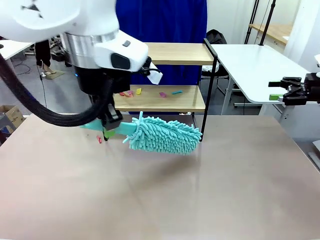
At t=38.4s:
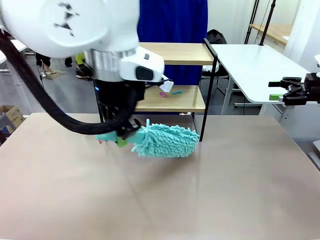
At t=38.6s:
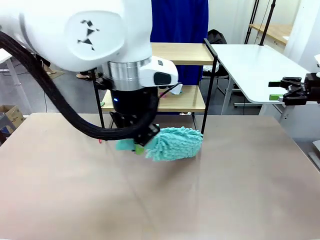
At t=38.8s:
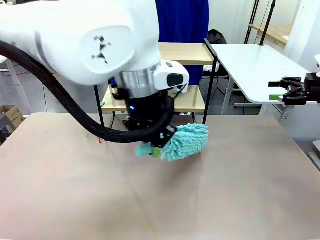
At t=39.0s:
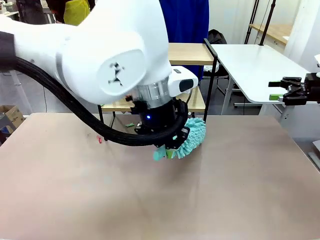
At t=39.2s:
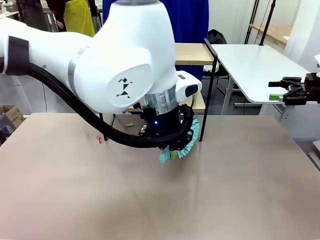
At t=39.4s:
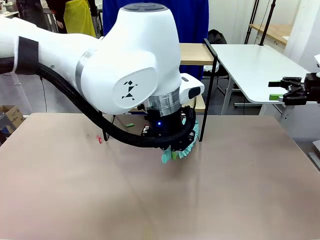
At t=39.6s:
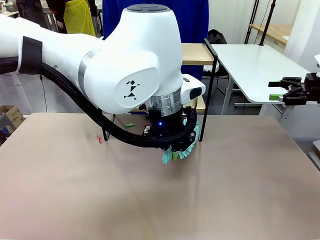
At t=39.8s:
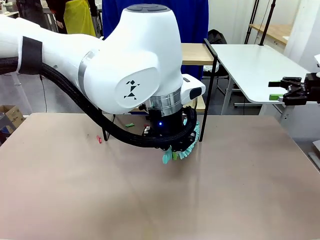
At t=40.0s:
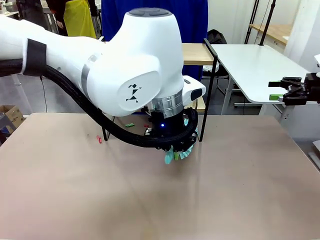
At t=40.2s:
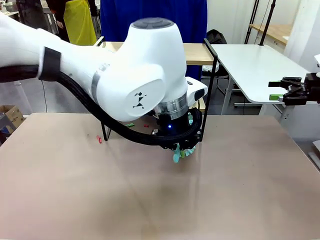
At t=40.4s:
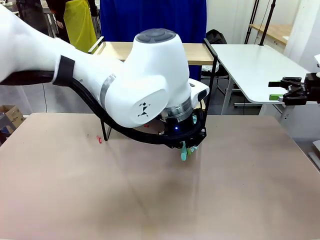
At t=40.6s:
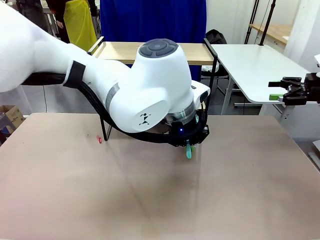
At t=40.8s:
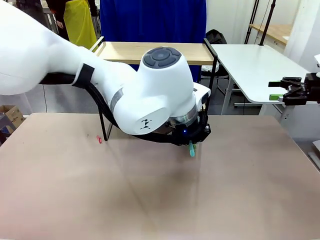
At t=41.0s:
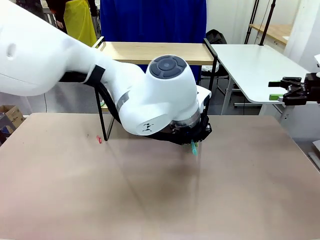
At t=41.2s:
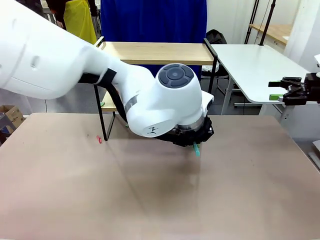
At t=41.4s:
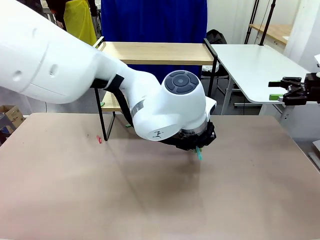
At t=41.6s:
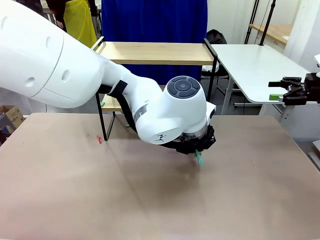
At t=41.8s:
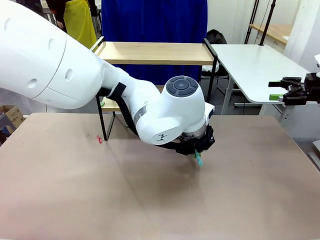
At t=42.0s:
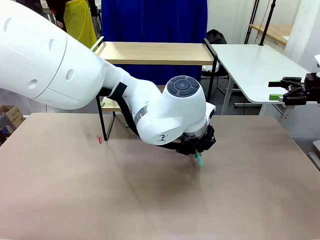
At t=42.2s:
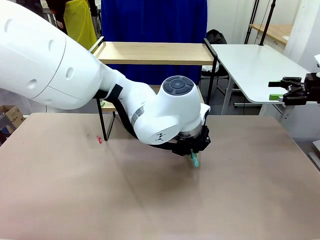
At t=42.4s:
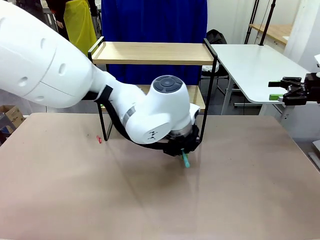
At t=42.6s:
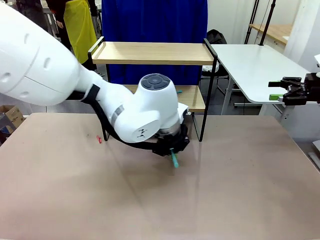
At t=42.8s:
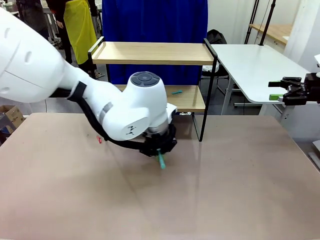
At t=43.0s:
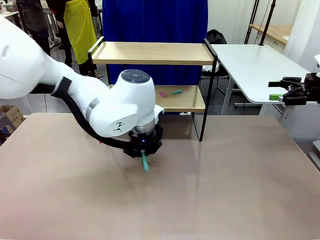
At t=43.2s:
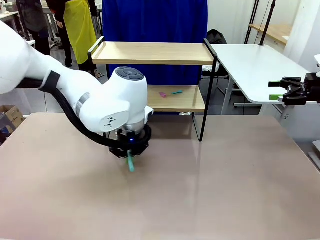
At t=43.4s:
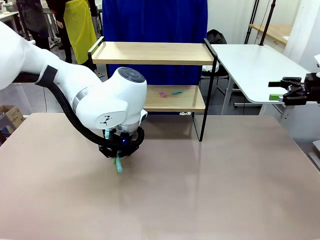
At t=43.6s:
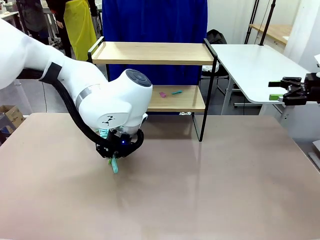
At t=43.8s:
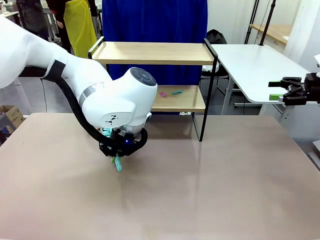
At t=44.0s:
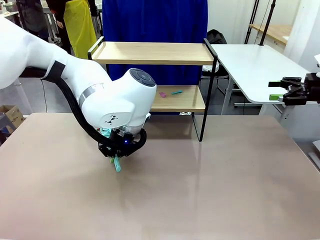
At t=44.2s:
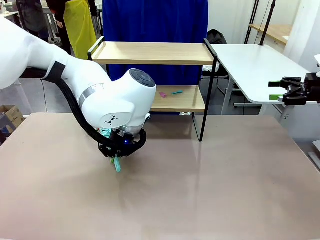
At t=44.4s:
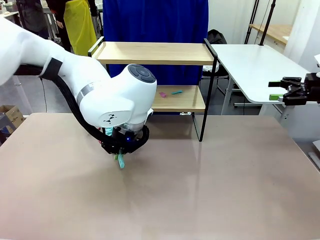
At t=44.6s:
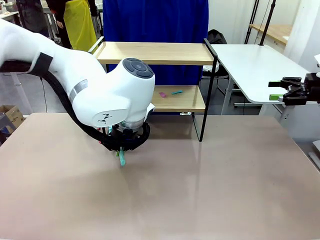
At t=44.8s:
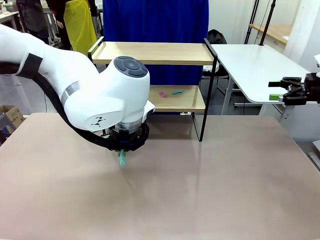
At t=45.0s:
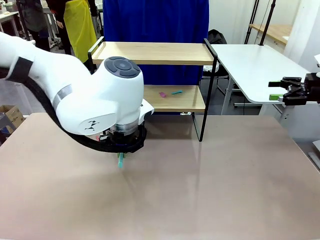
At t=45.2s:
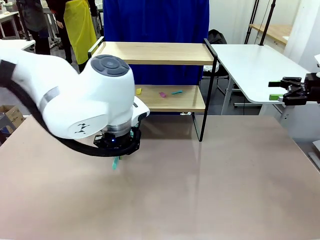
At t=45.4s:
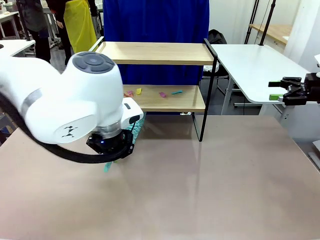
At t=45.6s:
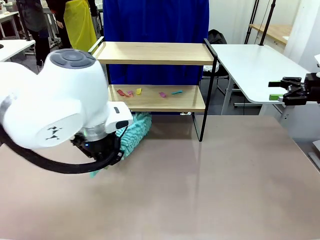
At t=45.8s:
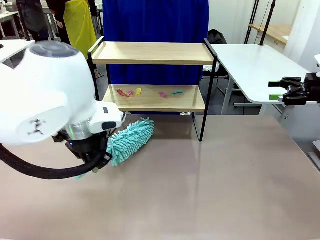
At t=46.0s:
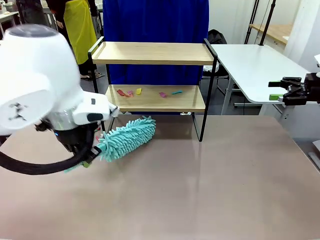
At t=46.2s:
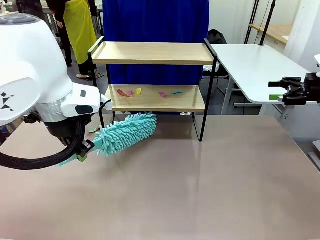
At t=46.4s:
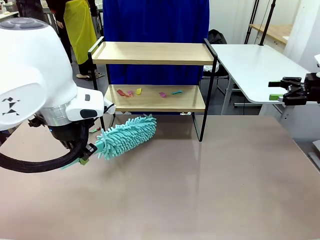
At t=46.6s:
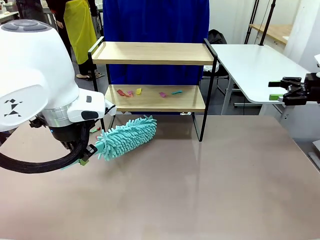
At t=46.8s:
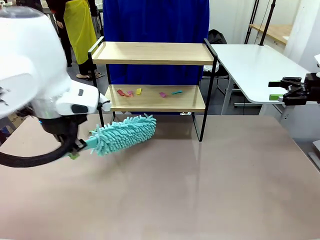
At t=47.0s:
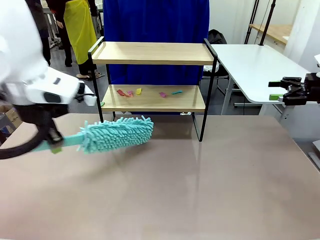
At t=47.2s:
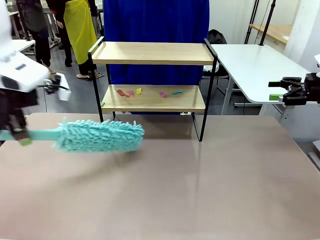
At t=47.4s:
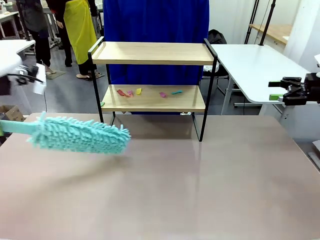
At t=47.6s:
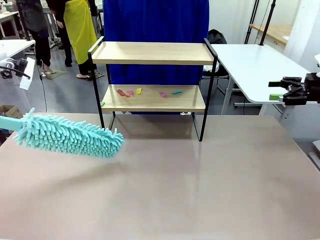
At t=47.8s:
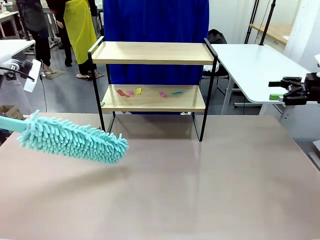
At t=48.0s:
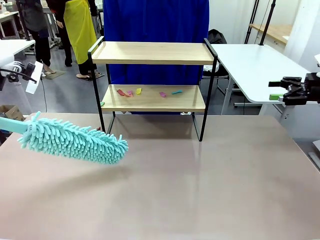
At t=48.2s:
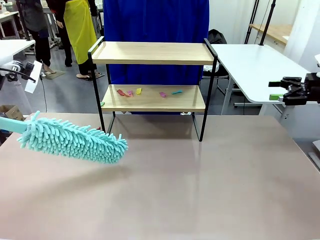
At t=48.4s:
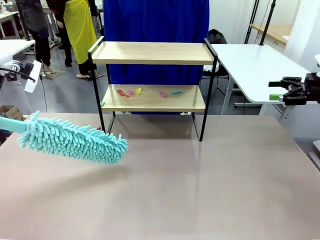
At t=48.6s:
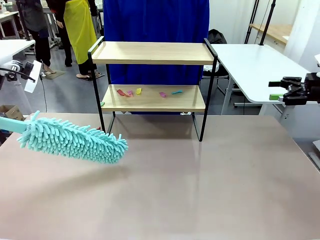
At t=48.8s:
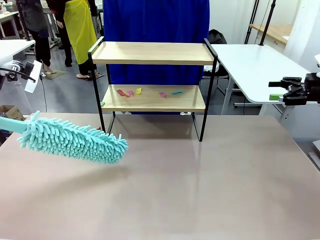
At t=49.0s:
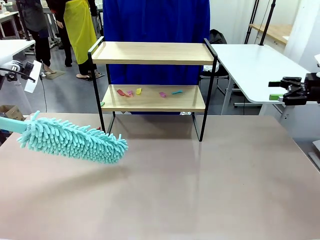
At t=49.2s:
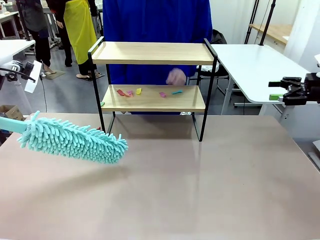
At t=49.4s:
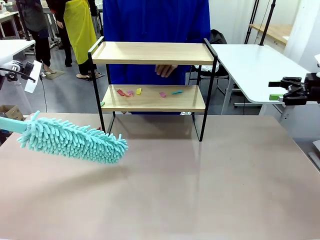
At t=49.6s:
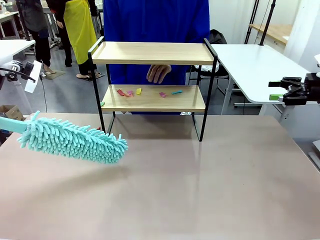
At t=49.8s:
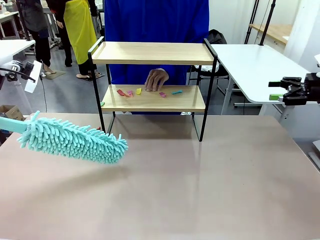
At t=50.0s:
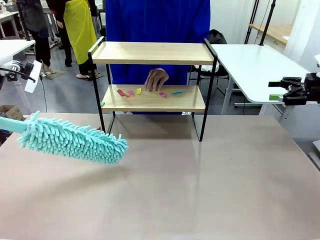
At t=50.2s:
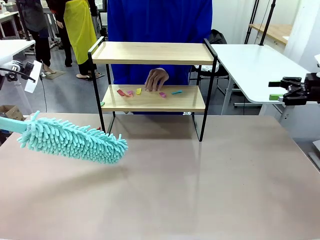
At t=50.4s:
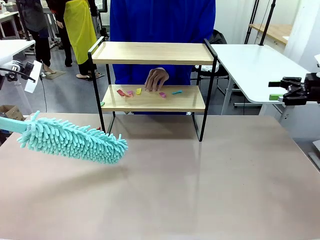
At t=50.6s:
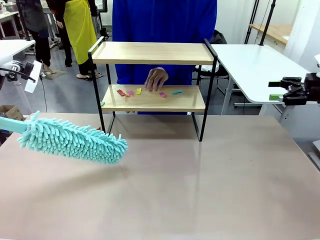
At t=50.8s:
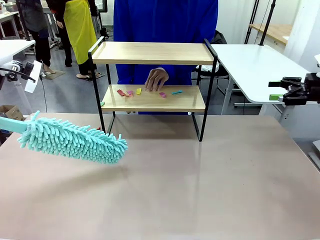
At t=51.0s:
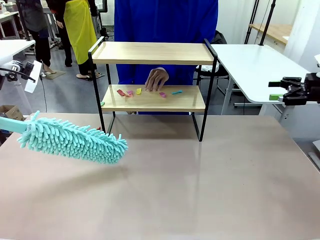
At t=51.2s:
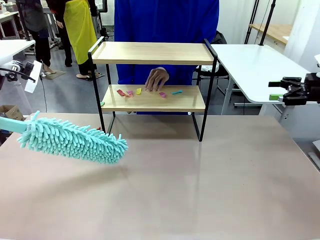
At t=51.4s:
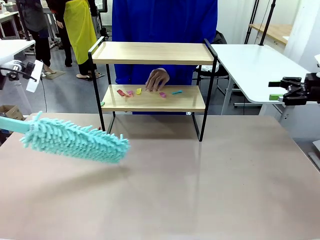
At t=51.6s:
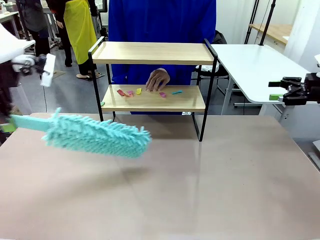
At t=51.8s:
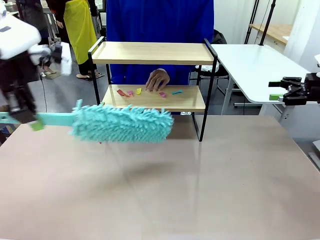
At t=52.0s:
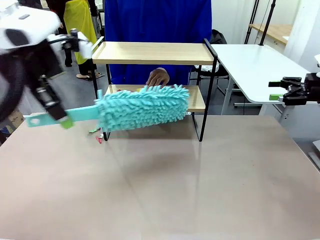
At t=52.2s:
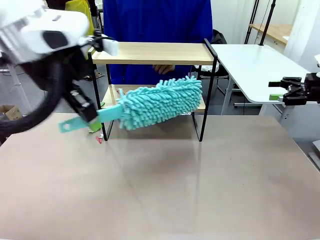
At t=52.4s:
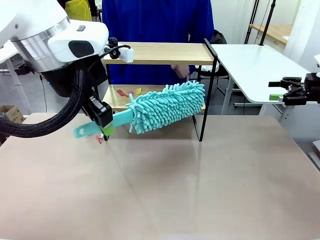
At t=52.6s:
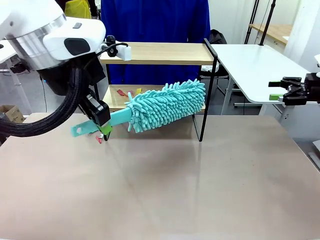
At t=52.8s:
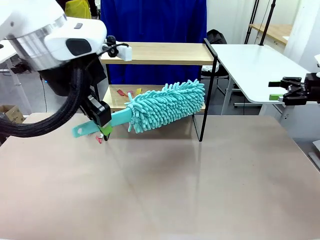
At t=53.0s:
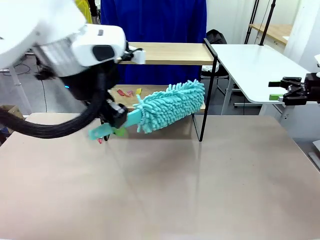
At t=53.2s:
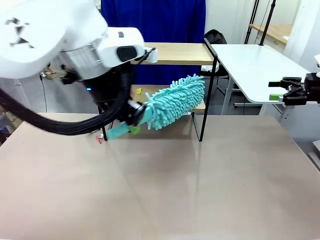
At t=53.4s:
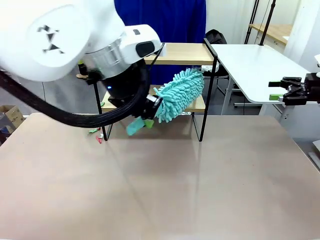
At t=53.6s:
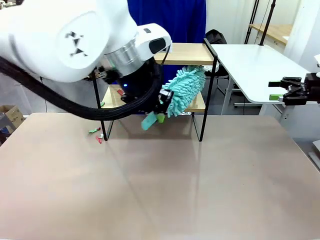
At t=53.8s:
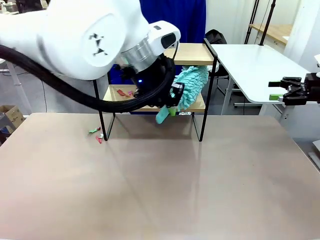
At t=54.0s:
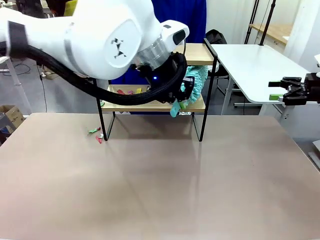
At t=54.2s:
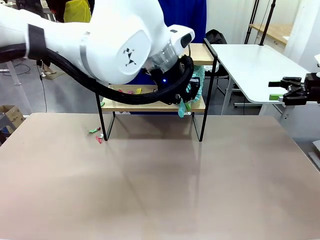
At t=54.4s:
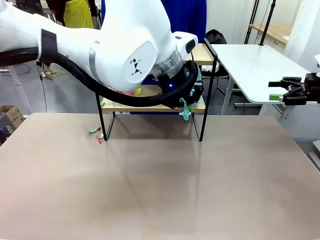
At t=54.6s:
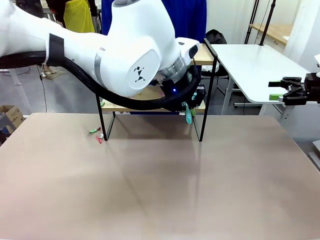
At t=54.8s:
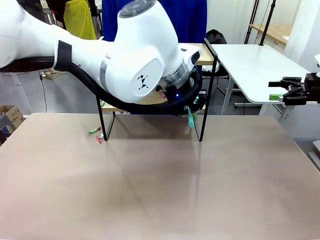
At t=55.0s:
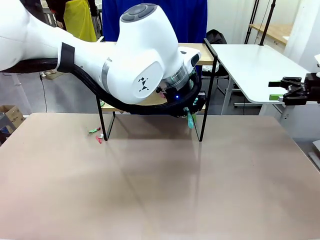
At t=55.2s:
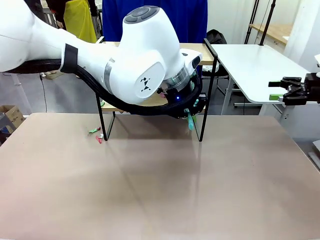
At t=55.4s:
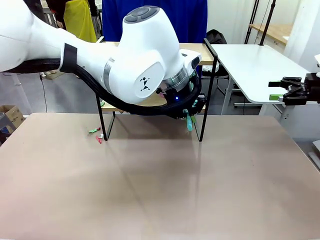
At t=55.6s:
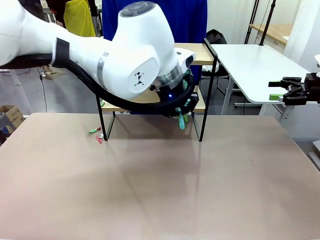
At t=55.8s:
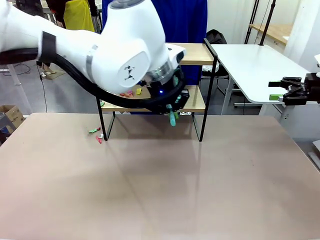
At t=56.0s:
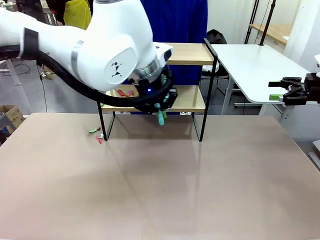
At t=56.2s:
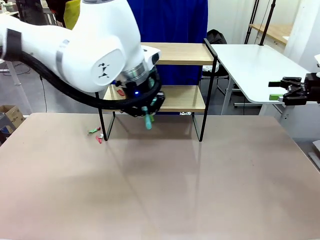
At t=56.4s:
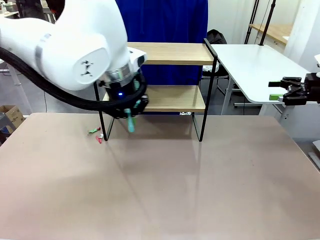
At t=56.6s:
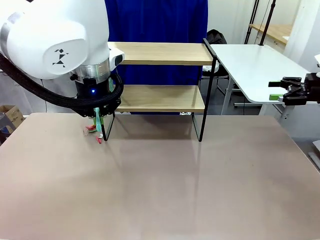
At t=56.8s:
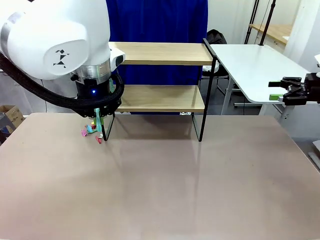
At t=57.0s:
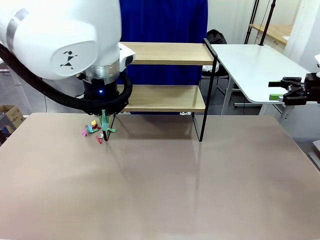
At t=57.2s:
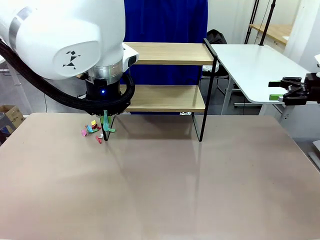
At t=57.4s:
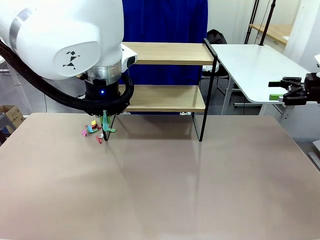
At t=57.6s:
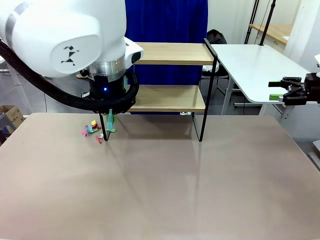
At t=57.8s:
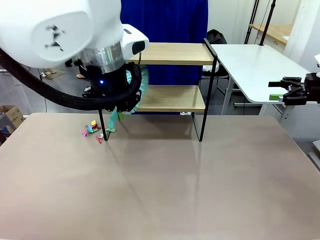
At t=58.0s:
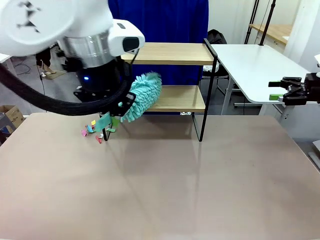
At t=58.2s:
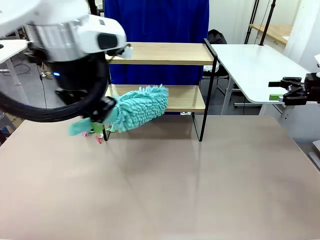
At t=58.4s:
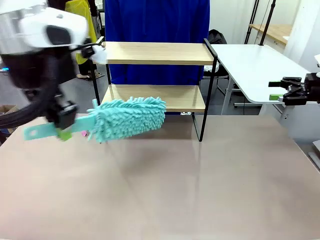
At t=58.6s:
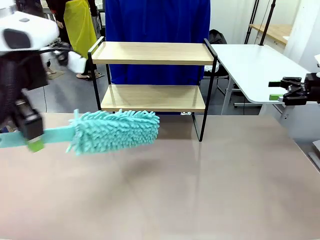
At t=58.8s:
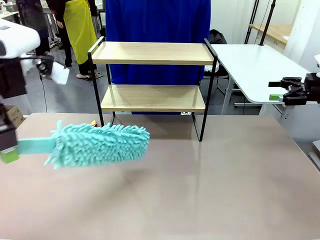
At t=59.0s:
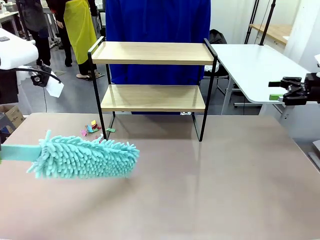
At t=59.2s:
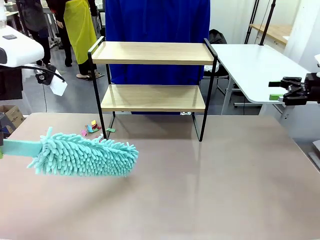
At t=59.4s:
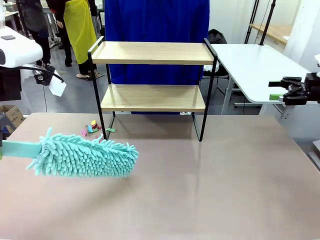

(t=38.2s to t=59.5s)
Task: Clean the shelf.
Robot: Clean the specific section of the Shelf indicated by the human with the Duster.
Person: Point a remaining section of the Shelf.
